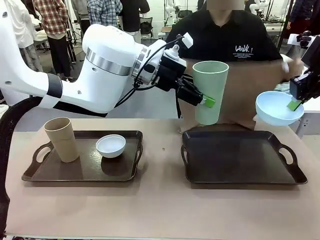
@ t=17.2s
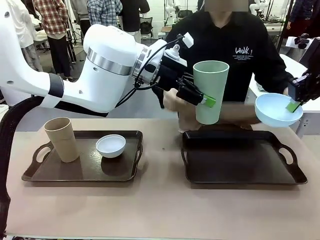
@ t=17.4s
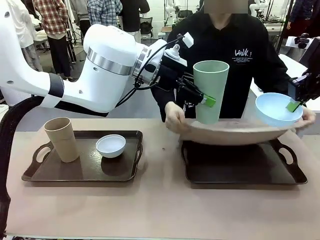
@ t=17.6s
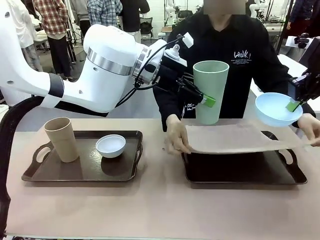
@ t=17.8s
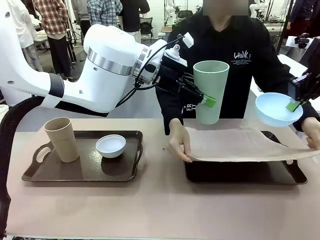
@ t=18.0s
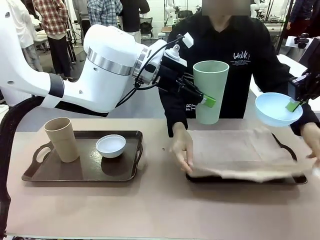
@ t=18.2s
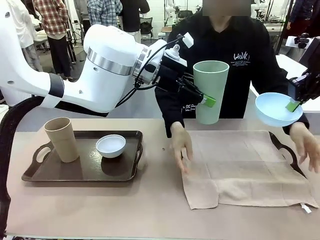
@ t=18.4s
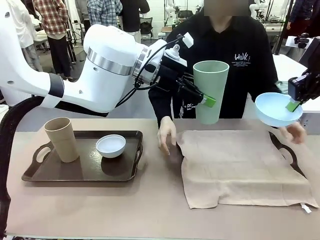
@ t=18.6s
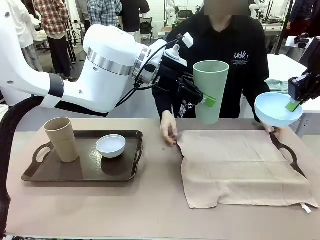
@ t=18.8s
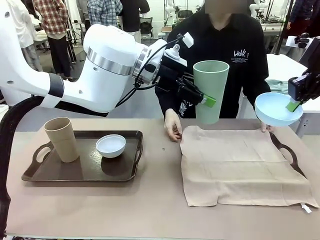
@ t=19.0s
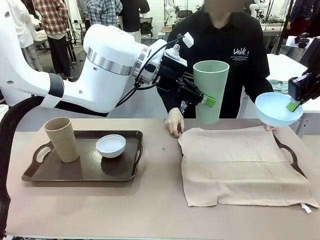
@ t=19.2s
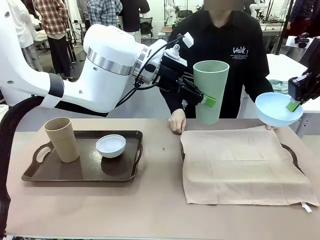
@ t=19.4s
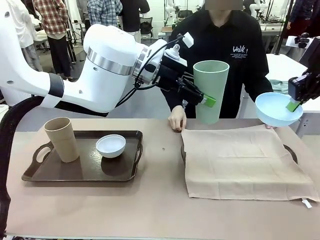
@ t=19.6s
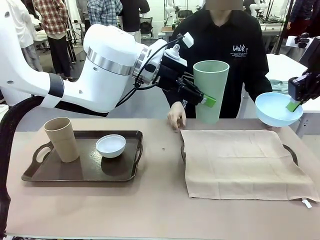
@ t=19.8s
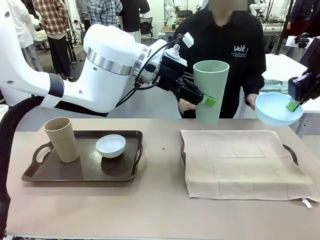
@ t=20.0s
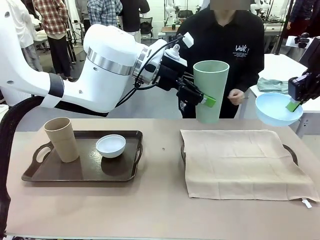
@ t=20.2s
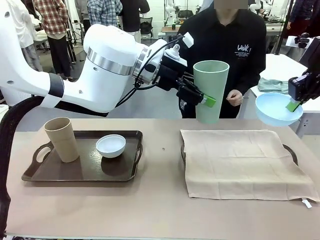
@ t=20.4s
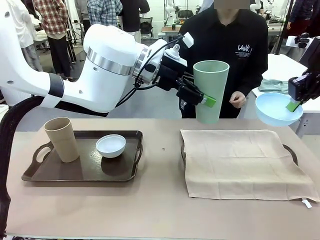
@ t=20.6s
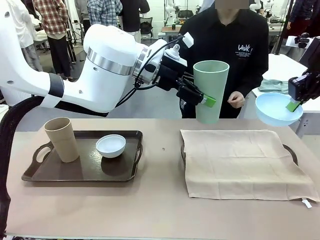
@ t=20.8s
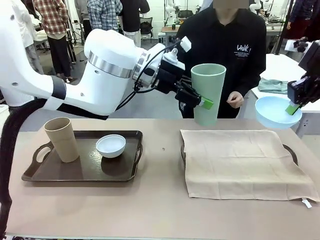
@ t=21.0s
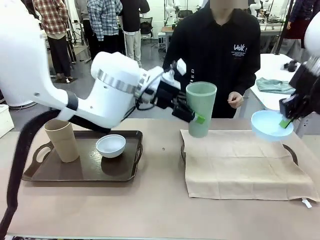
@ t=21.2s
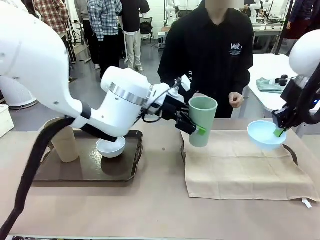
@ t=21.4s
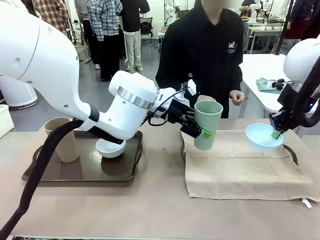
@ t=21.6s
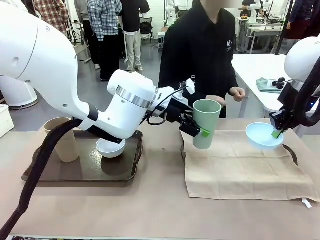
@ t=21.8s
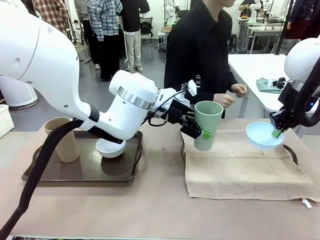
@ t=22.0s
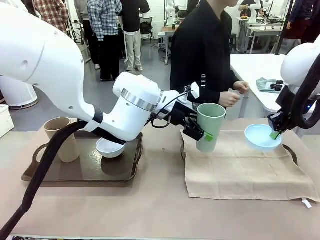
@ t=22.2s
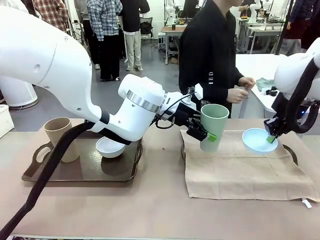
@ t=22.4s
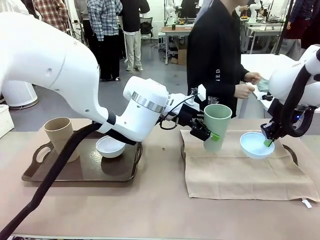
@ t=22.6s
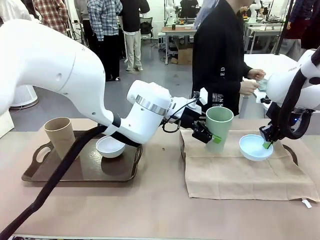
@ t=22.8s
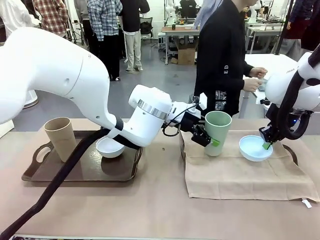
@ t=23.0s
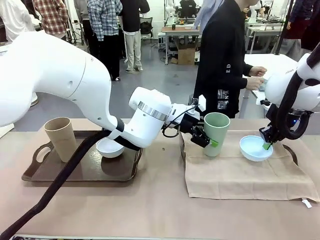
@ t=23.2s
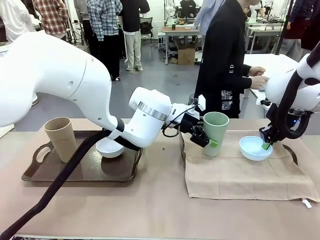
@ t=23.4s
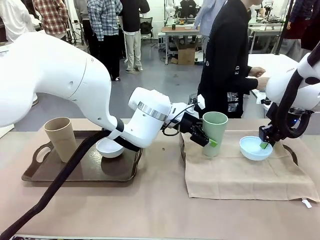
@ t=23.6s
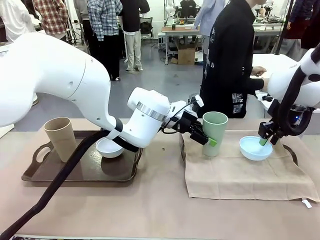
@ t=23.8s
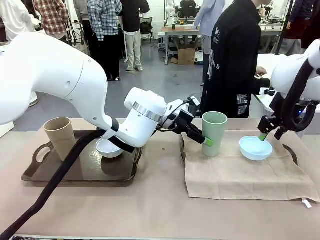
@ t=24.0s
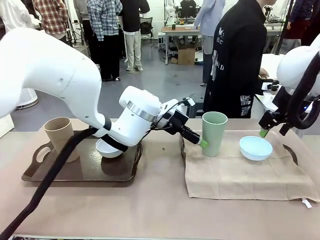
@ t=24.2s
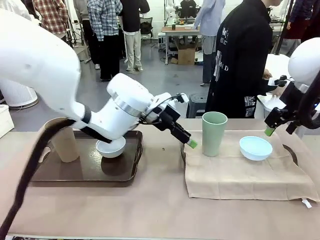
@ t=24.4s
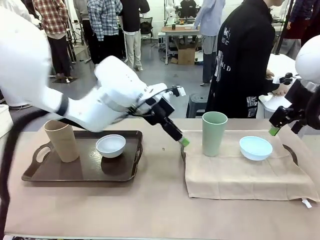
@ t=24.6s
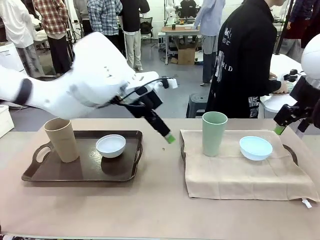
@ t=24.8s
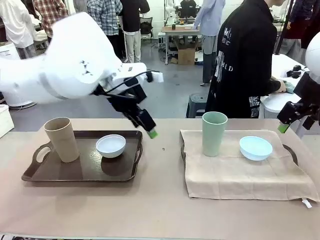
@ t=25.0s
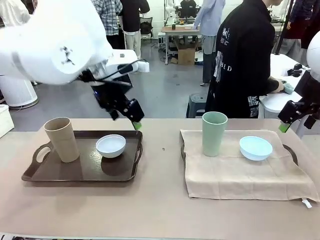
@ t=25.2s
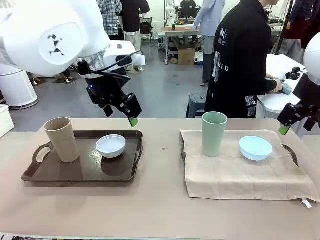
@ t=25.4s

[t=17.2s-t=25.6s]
Robot: Place the Picnic Bowl and Reusable plastic cup back onto the Handle tray in front of the human's position.

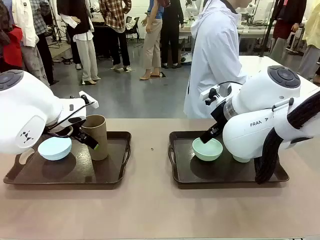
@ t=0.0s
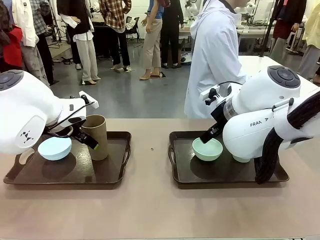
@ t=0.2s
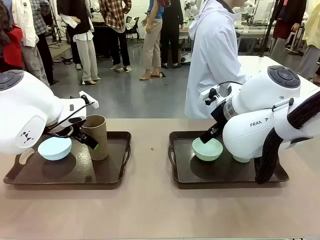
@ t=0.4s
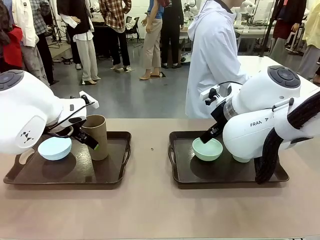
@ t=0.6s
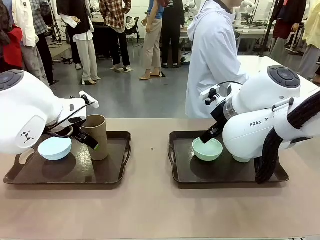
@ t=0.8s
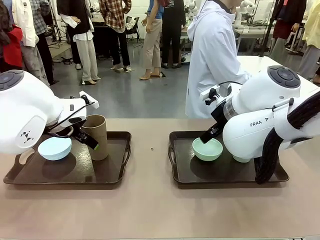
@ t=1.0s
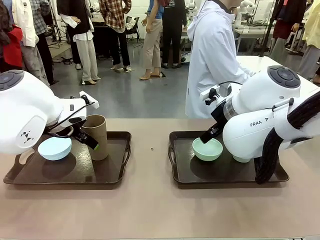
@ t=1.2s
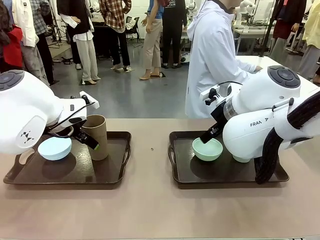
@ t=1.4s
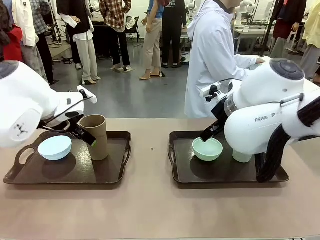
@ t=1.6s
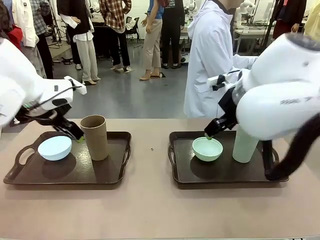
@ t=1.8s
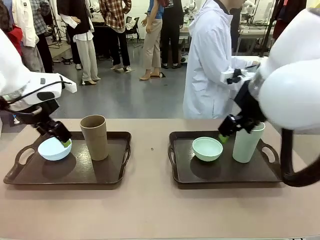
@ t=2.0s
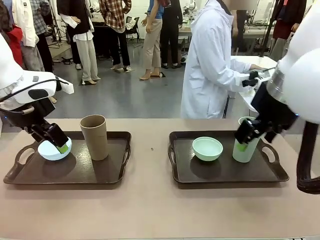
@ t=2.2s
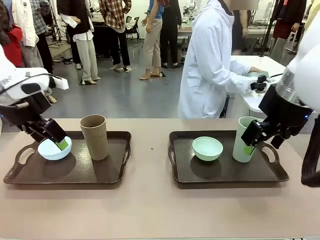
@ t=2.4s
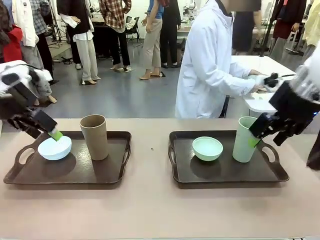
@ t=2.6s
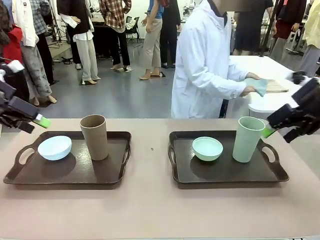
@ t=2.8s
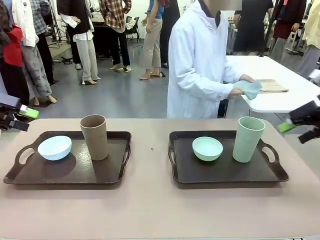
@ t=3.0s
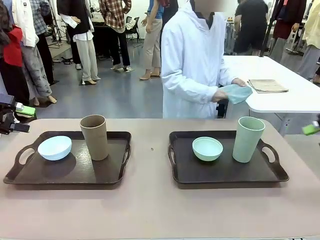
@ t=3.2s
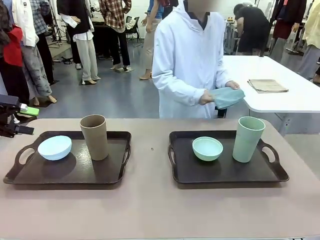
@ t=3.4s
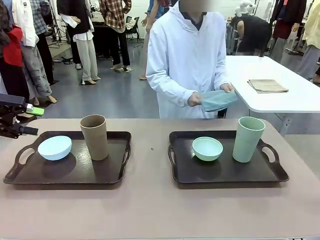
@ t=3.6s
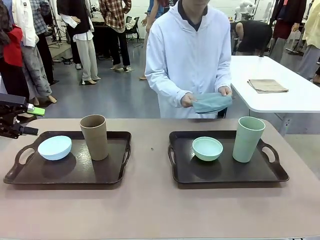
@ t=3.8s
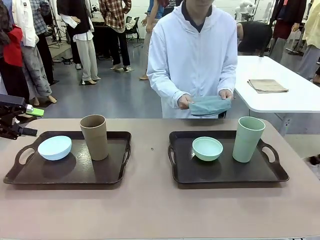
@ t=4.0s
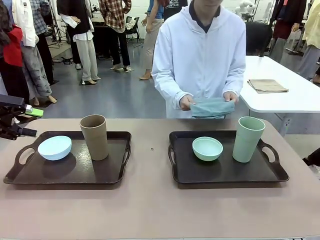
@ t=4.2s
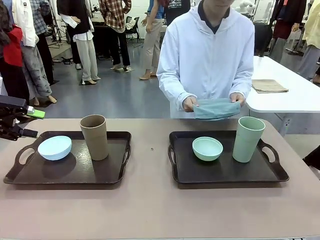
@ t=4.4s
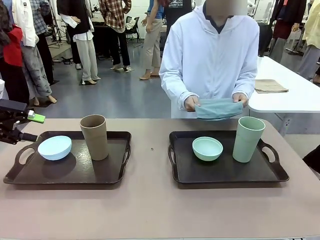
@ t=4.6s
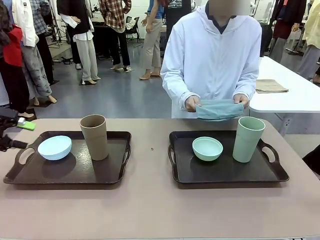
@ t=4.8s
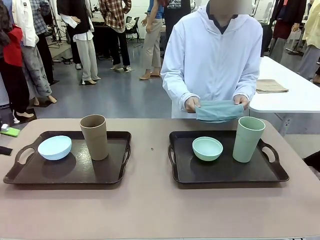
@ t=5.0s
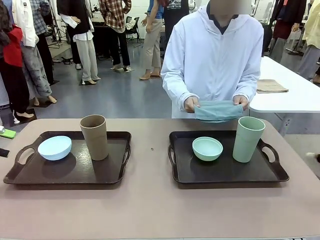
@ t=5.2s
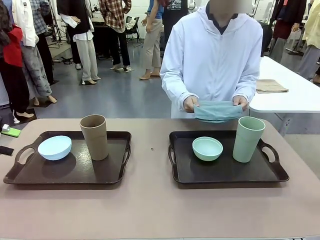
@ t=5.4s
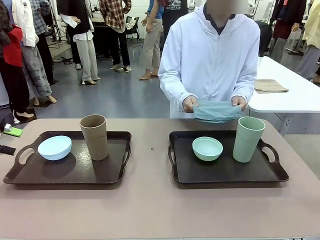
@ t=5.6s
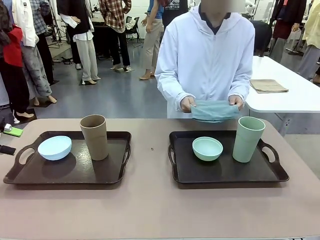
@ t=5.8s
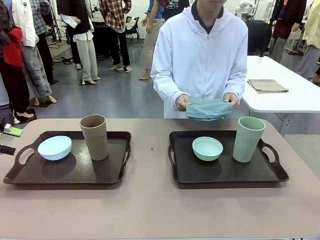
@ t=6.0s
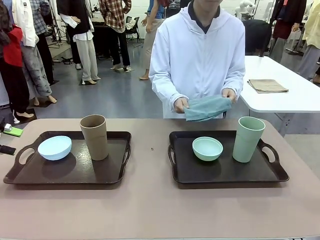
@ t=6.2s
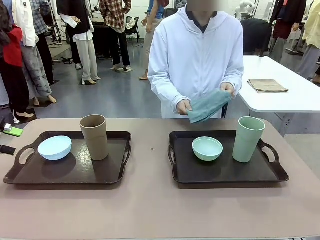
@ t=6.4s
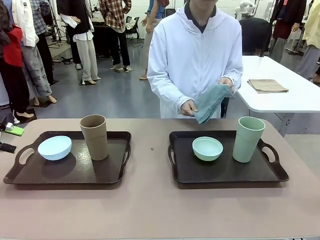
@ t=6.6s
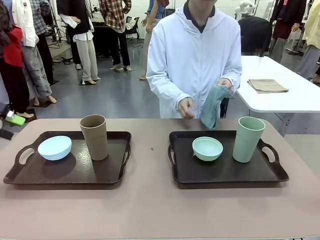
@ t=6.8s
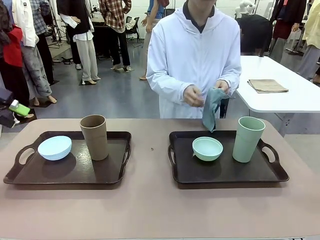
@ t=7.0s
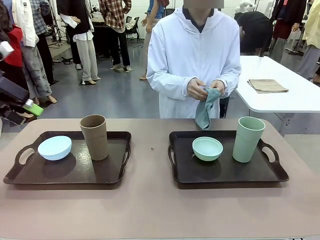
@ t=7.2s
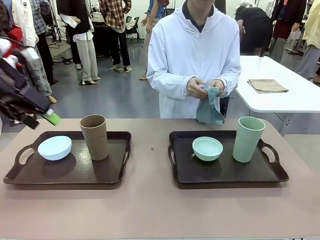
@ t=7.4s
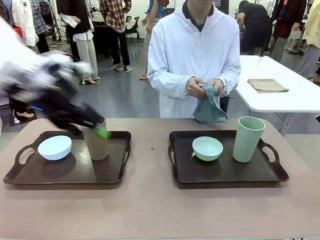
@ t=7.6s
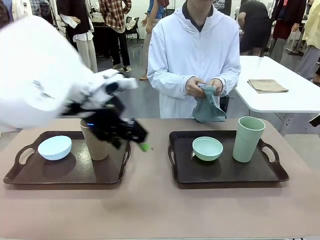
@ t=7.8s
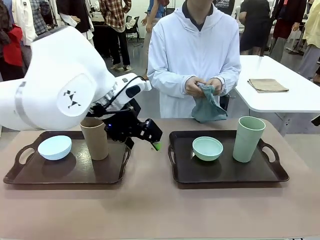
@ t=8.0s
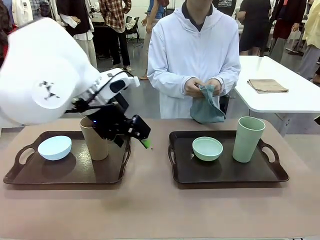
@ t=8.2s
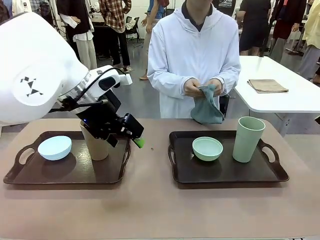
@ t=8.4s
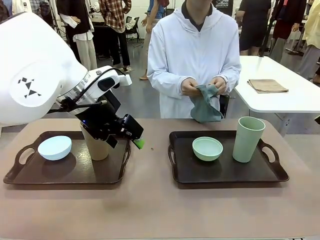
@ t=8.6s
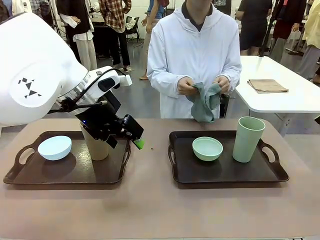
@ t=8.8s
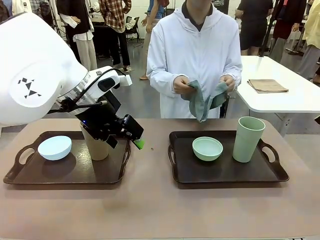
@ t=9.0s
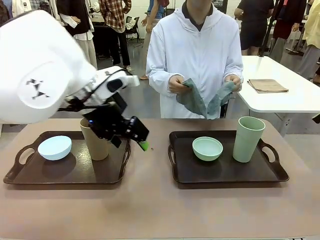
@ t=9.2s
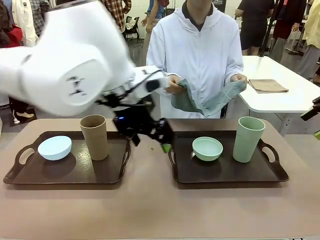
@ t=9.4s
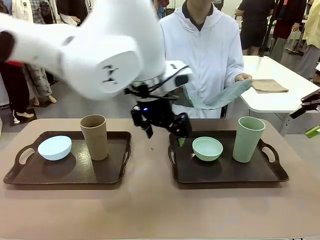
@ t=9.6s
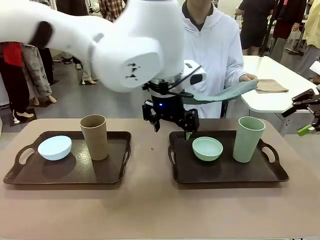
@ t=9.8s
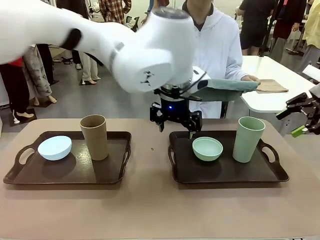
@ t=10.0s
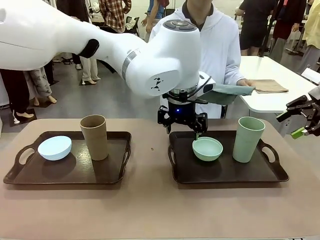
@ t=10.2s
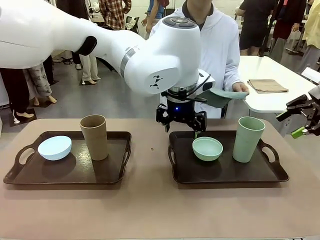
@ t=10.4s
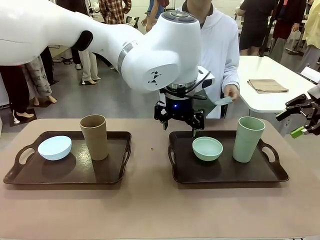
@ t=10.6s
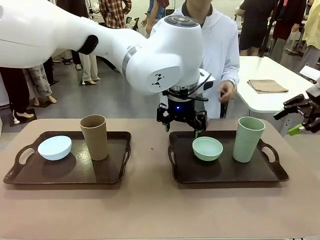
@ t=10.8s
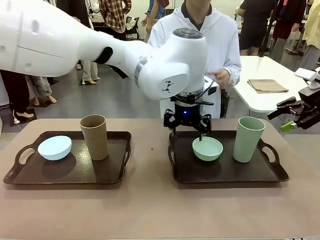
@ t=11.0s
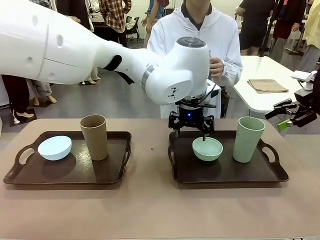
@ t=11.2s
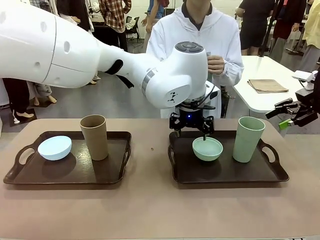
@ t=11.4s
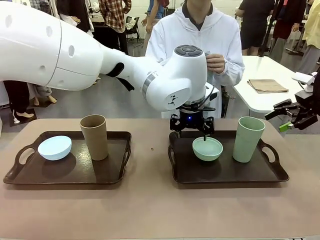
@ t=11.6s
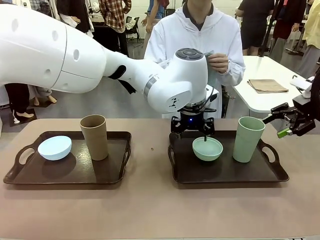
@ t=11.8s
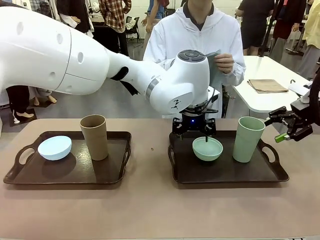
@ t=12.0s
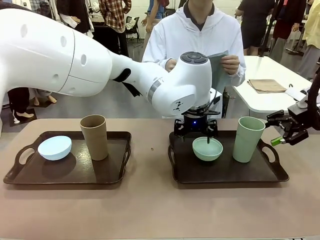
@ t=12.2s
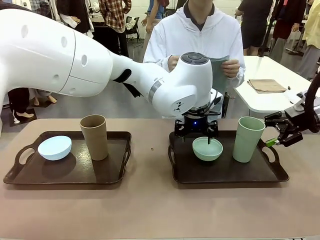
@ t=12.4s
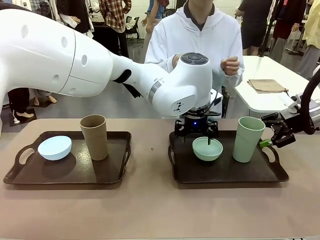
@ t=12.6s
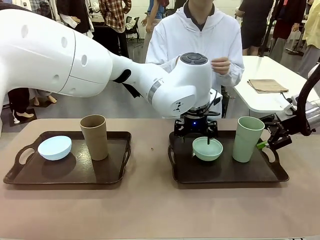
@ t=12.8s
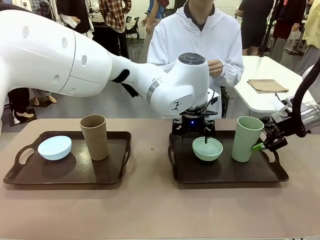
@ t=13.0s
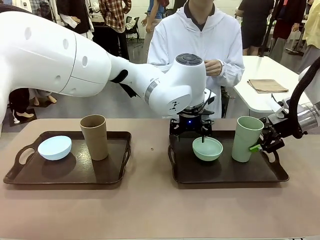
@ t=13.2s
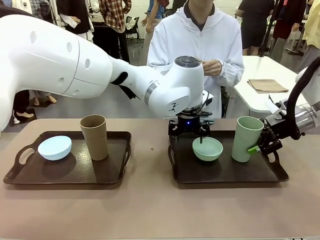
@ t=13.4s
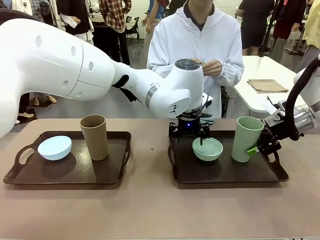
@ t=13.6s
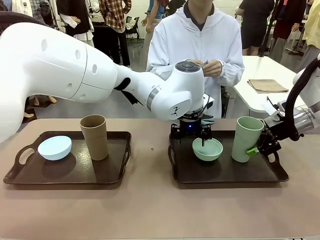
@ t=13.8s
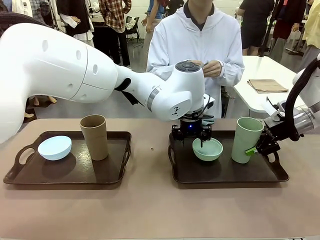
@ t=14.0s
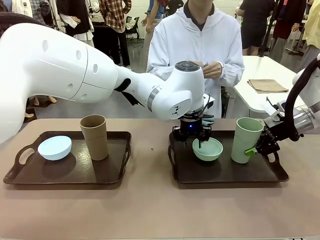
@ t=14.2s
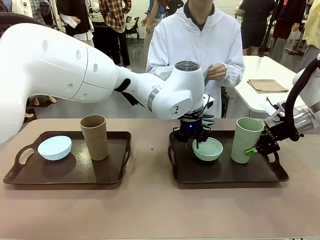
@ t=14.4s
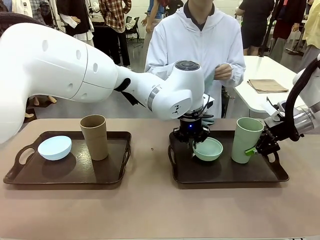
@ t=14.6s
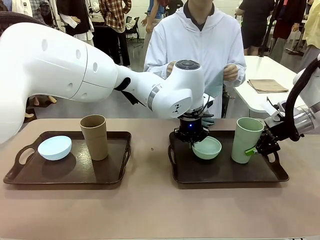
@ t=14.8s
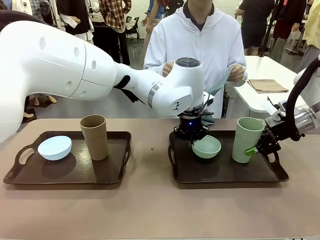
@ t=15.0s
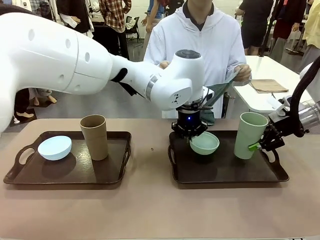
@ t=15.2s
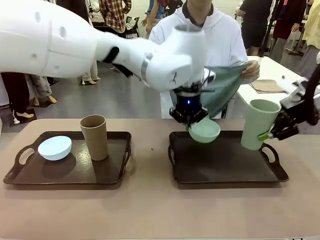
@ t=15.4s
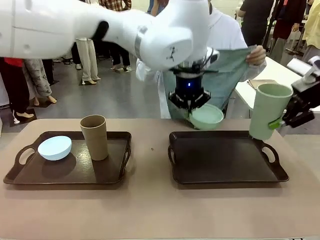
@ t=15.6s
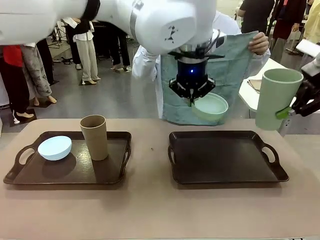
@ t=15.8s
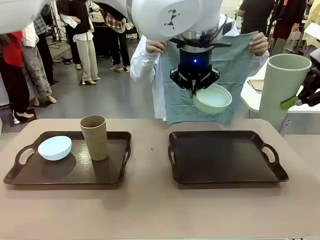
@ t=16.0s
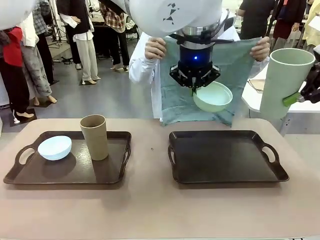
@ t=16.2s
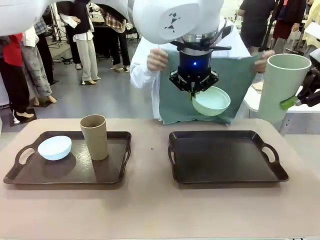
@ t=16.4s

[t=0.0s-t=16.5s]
Robot: Pick up the Picnic Bowl and Reusable plastic cup from the Handle tray in front of the human's position and hold them in the air.
Person: The human picks up the top napkin from the stack on the human table and walks to the robot table to stand in front of one of the two trays. When the robot lifts the bowl and the cup, the human unfolds the napkin and lays the napkin flat on the tray.
